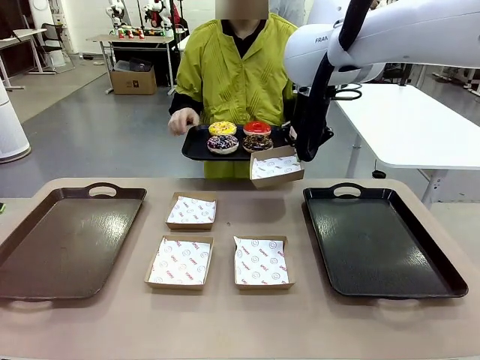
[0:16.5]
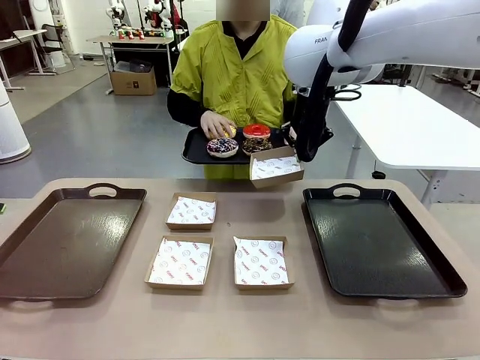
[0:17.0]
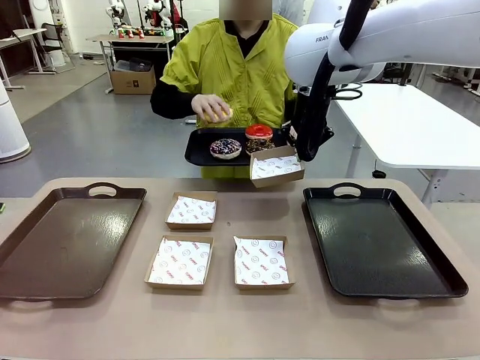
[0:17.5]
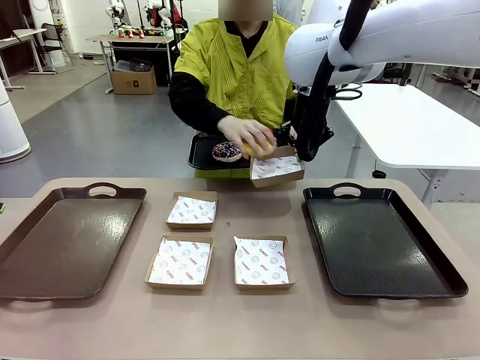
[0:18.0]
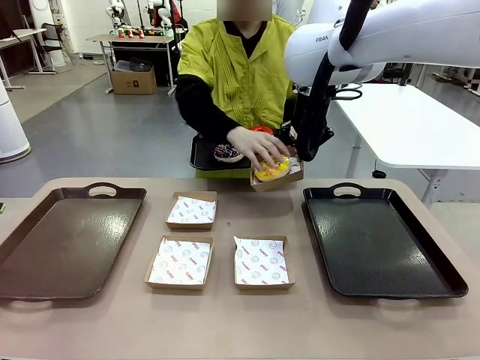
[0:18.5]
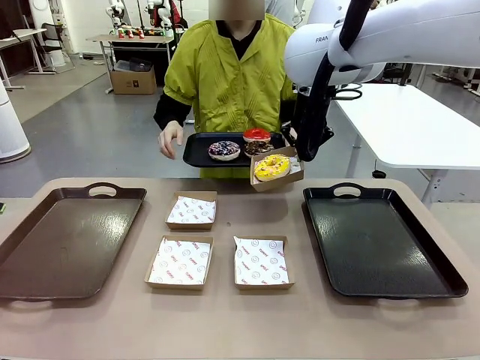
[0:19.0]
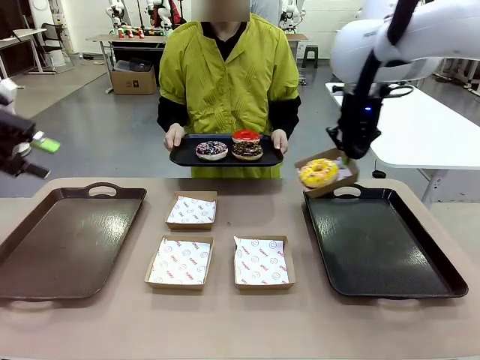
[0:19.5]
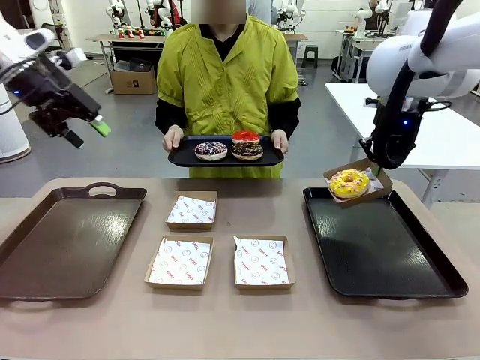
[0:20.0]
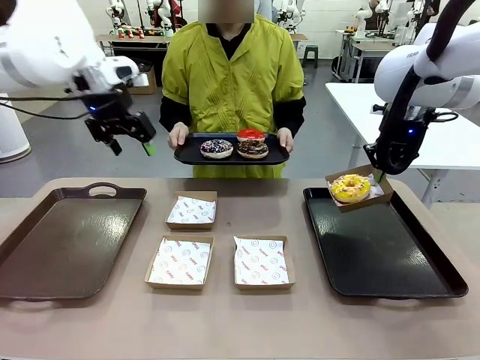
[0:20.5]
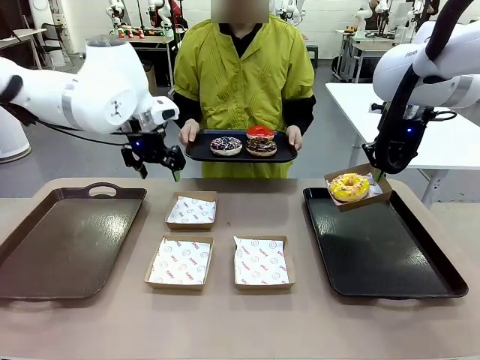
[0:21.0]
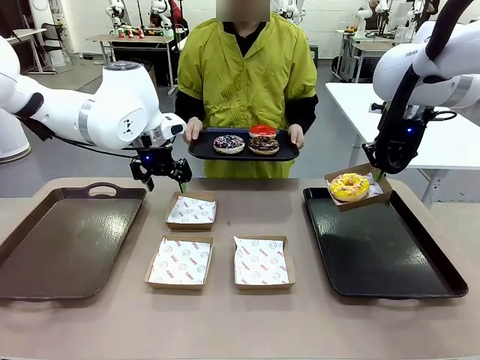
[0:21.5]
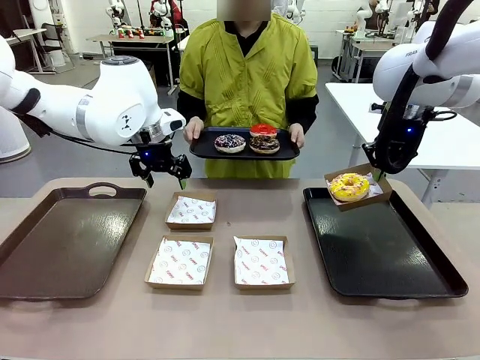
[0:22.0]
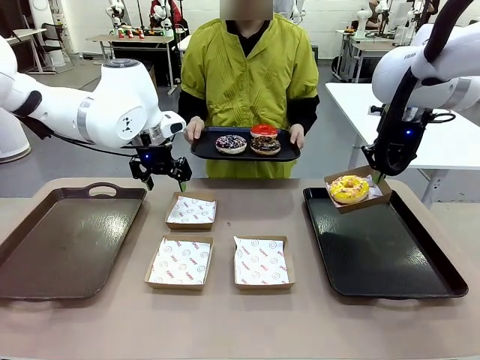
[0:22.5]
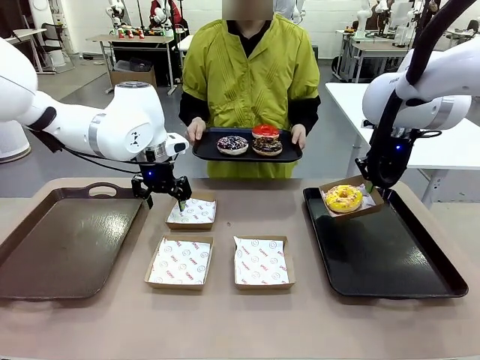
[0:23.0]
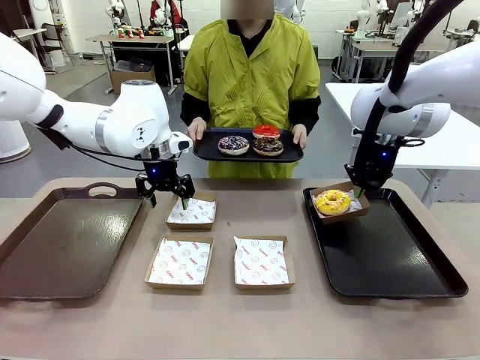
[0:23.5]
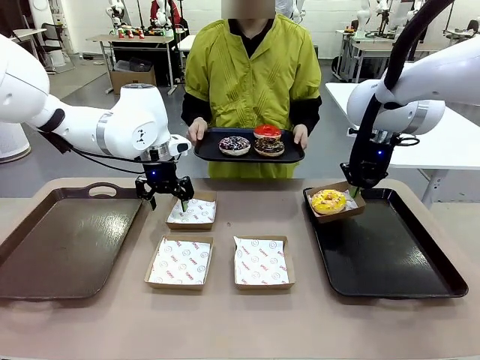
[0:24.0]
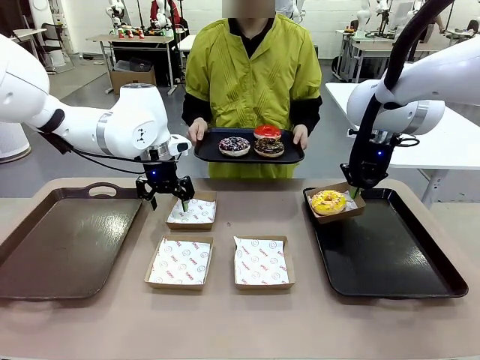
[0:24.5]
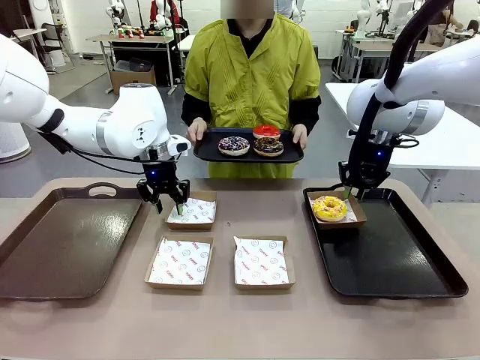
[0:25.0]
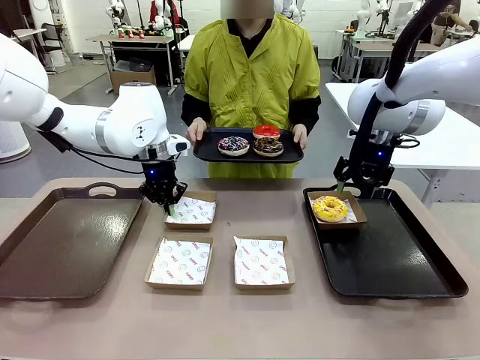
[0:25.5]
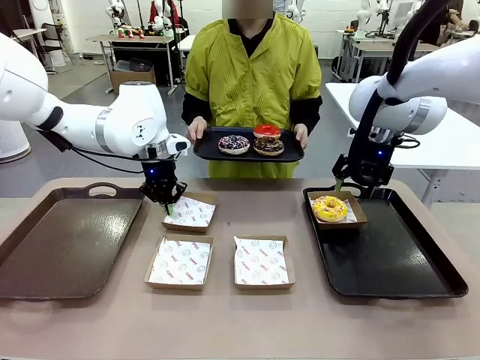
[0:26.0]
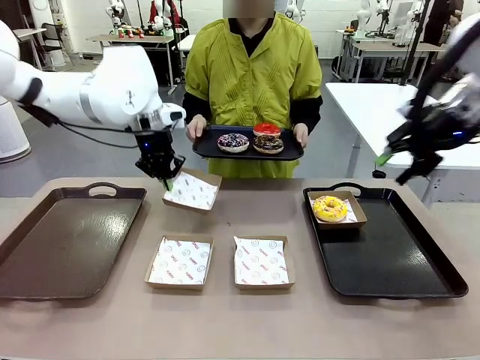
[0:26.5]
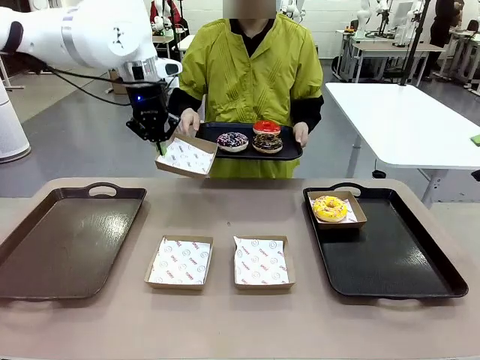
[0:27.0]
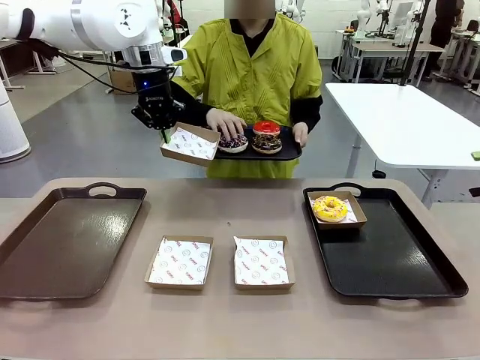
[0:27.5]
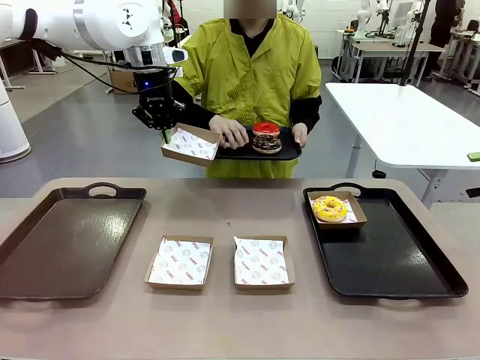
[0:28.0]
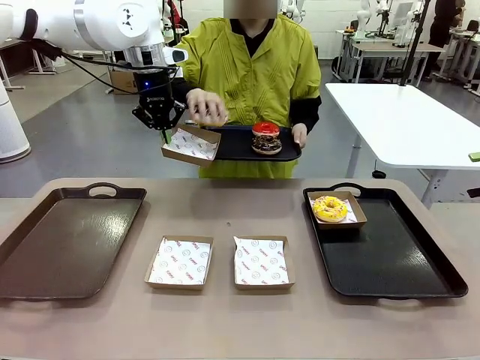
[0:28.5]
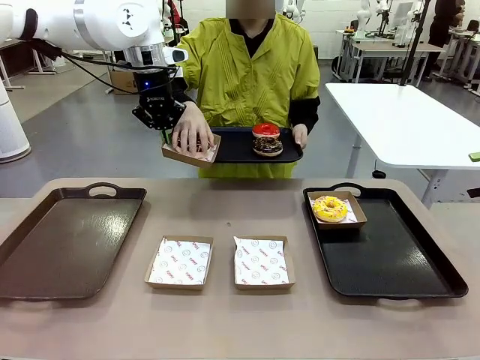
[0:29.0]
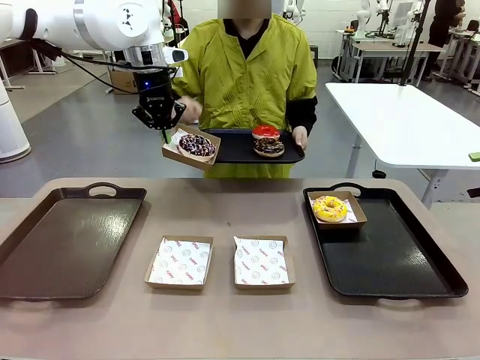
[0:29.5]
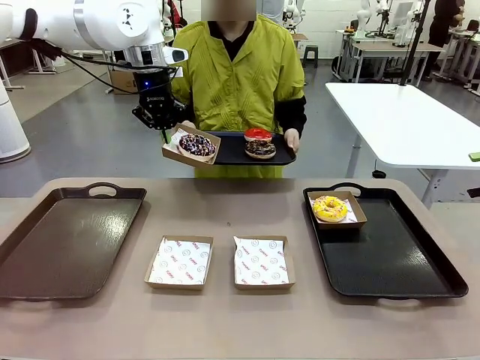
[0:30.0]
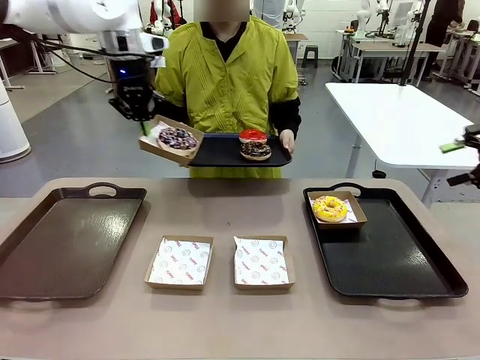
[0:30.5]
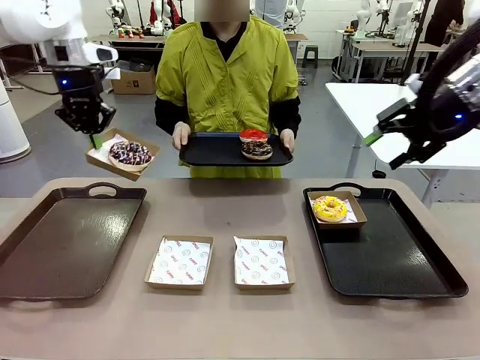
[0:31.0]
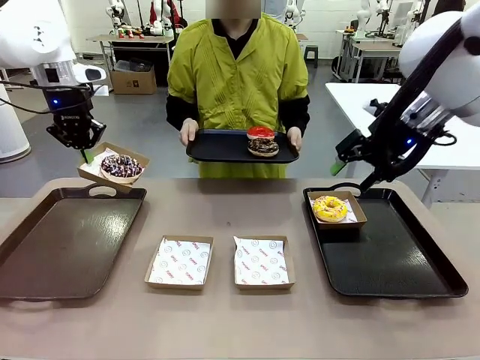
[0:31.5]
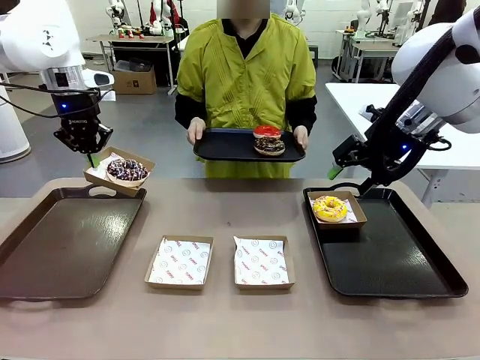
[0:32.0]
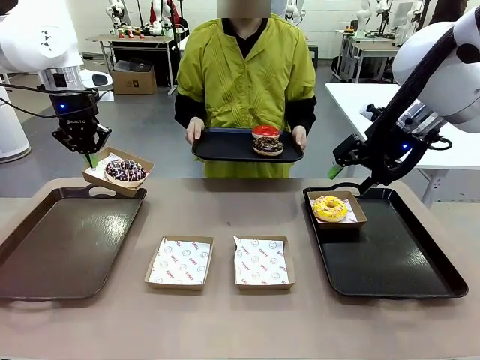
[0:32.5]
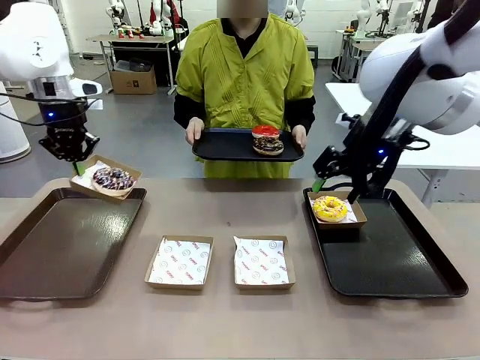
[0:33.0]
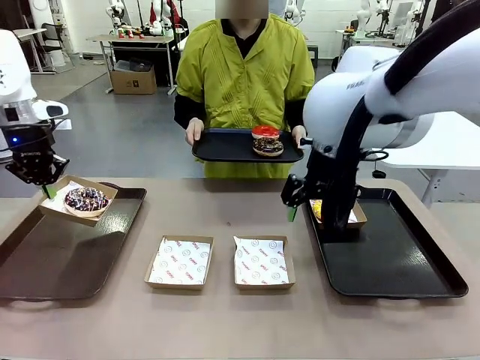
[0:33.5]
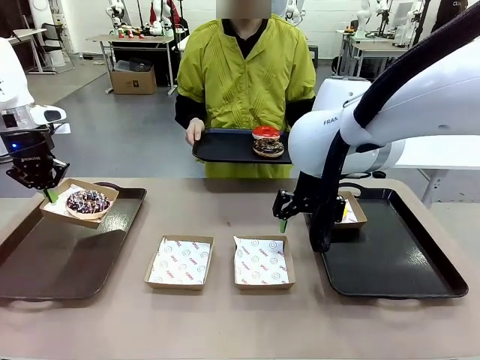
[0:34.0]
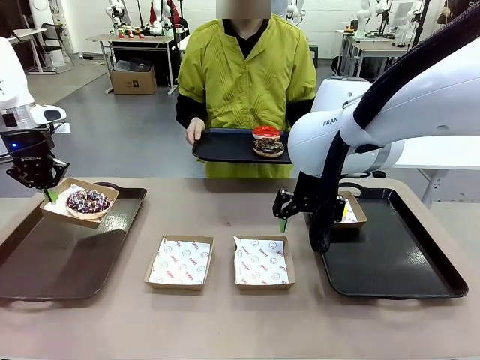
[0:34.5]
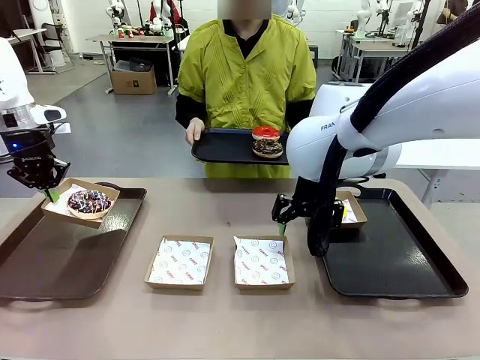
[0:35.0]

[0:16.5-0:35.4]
Task: Individually package the donuts and arrange them on the tray.
Robot: Place the picked Paper togo box on the Handle tray while simultaneously picking up another Paper togo box from the table with the other hand.
